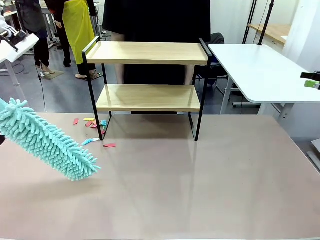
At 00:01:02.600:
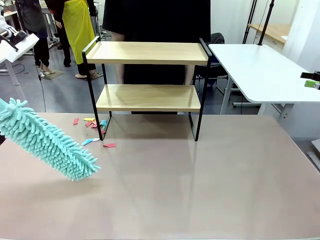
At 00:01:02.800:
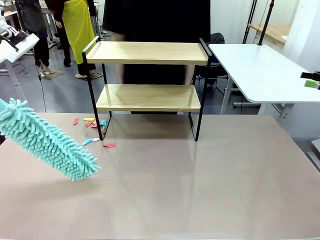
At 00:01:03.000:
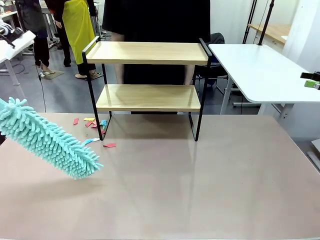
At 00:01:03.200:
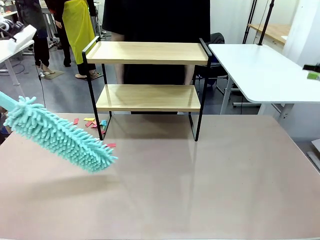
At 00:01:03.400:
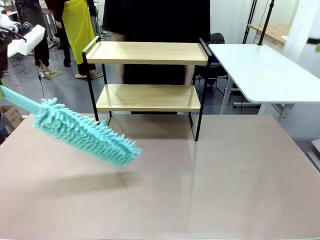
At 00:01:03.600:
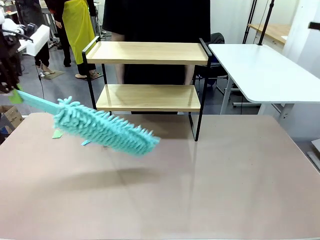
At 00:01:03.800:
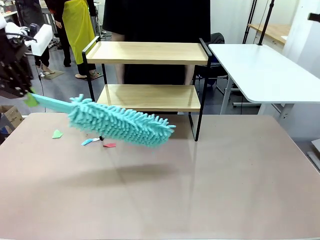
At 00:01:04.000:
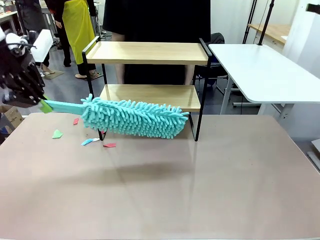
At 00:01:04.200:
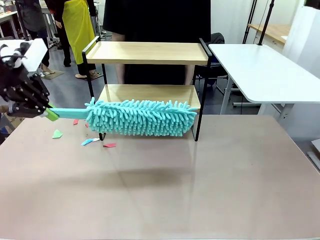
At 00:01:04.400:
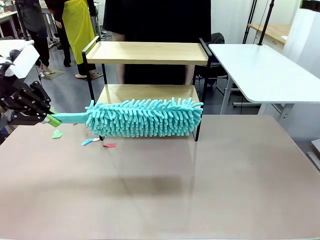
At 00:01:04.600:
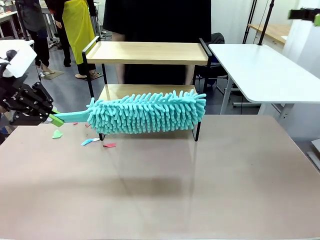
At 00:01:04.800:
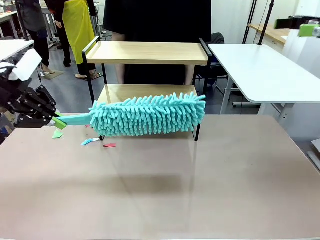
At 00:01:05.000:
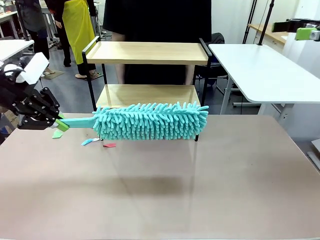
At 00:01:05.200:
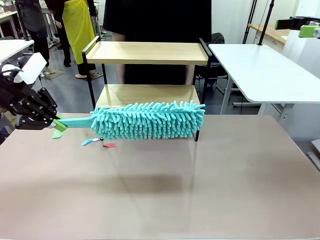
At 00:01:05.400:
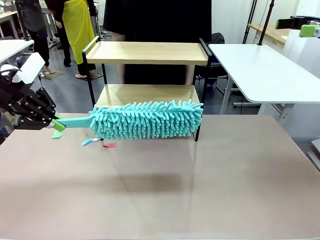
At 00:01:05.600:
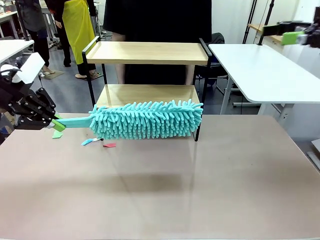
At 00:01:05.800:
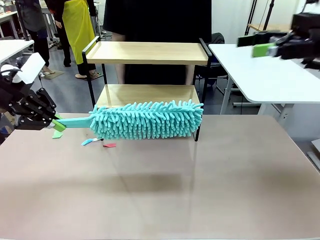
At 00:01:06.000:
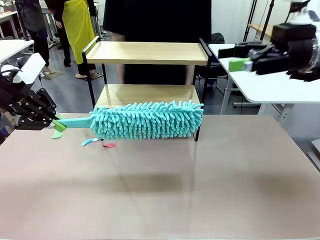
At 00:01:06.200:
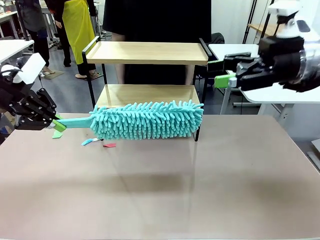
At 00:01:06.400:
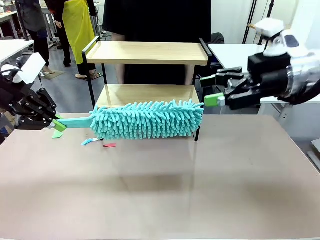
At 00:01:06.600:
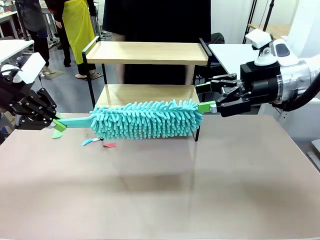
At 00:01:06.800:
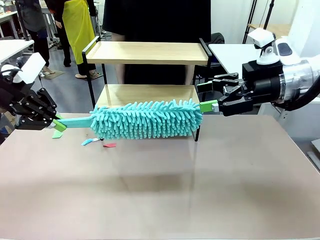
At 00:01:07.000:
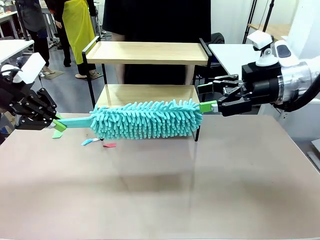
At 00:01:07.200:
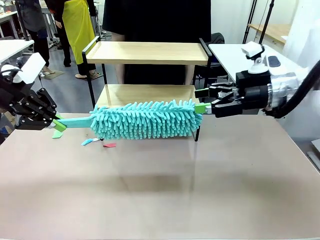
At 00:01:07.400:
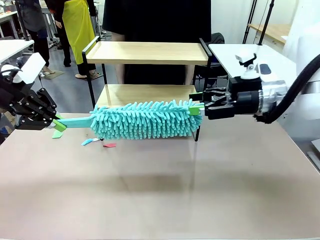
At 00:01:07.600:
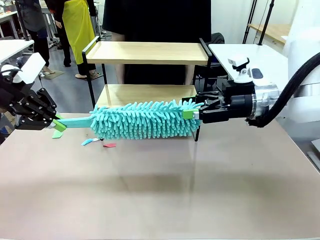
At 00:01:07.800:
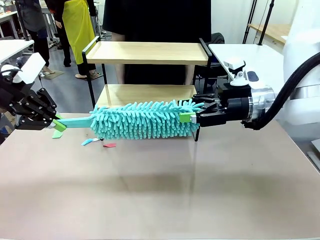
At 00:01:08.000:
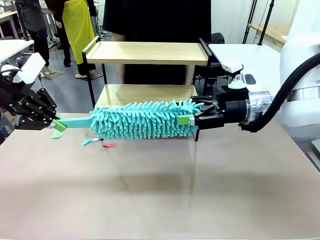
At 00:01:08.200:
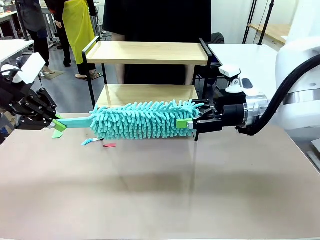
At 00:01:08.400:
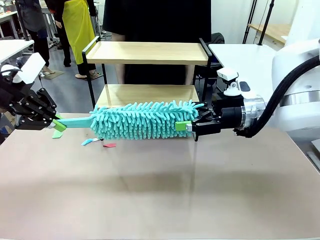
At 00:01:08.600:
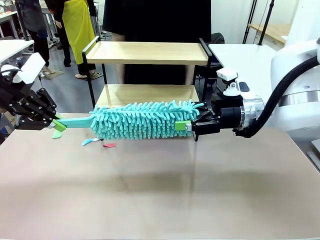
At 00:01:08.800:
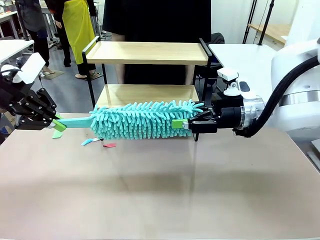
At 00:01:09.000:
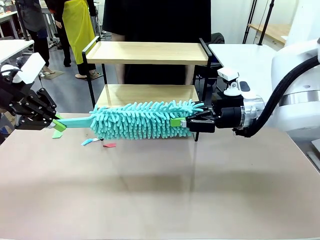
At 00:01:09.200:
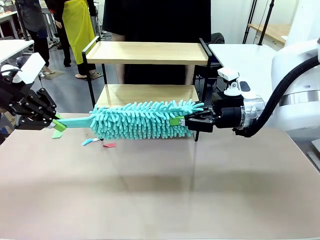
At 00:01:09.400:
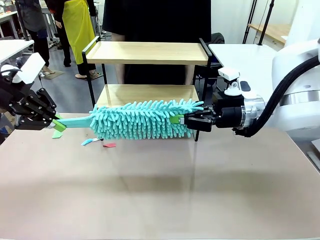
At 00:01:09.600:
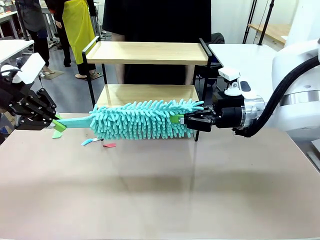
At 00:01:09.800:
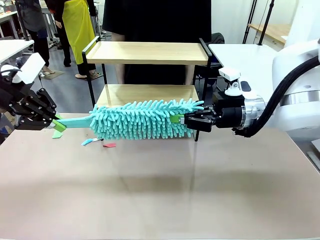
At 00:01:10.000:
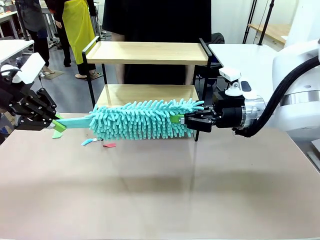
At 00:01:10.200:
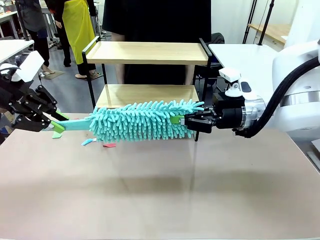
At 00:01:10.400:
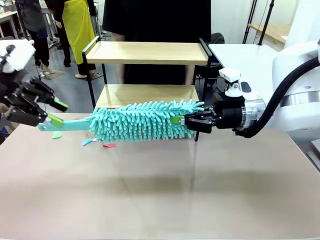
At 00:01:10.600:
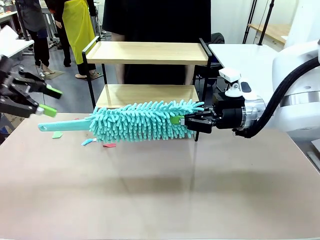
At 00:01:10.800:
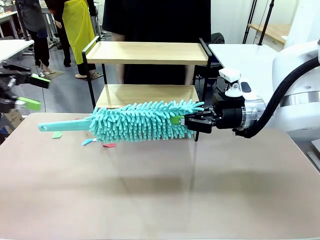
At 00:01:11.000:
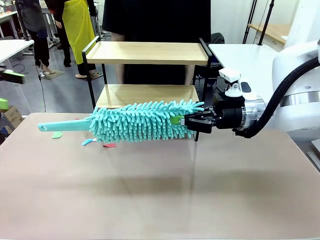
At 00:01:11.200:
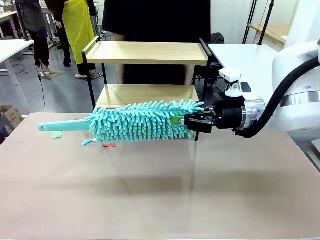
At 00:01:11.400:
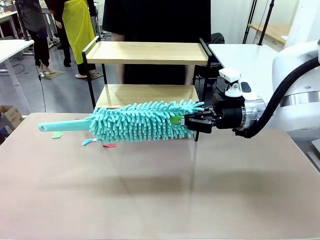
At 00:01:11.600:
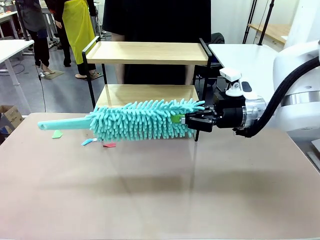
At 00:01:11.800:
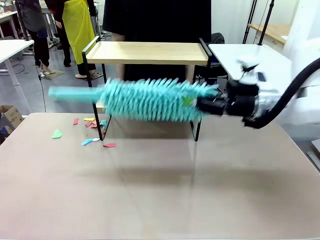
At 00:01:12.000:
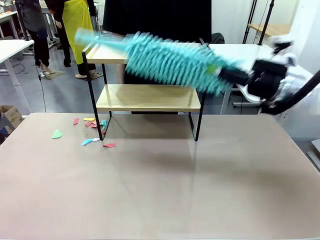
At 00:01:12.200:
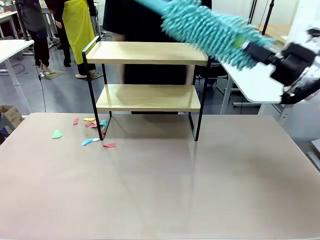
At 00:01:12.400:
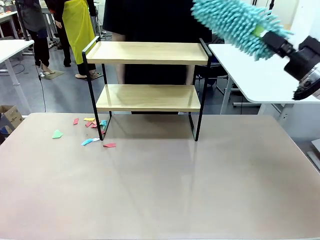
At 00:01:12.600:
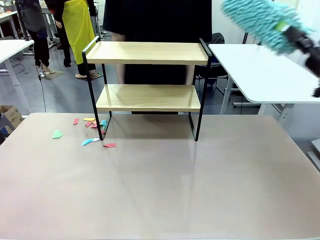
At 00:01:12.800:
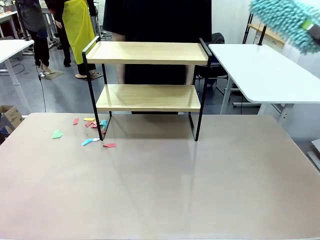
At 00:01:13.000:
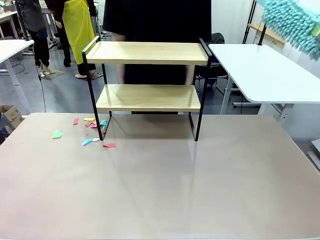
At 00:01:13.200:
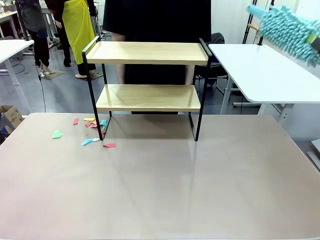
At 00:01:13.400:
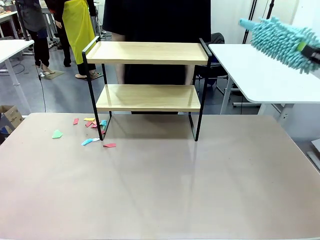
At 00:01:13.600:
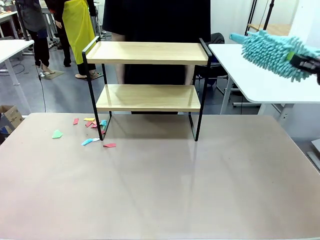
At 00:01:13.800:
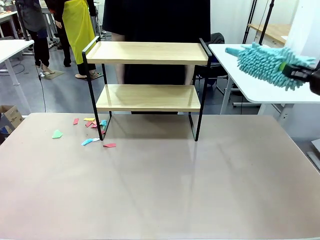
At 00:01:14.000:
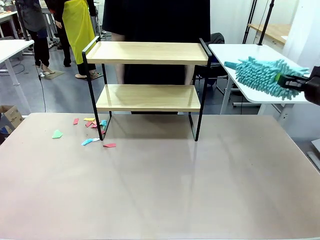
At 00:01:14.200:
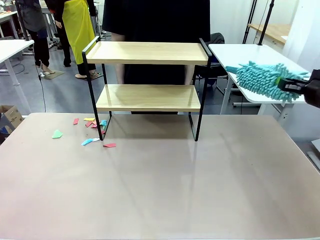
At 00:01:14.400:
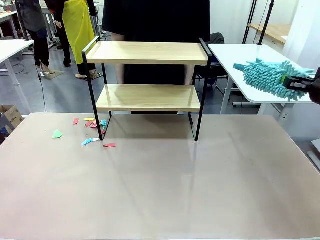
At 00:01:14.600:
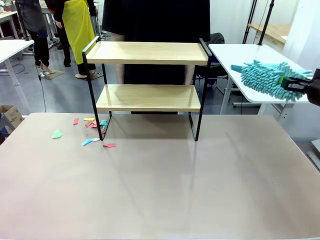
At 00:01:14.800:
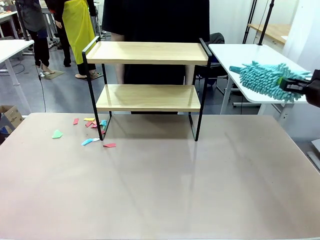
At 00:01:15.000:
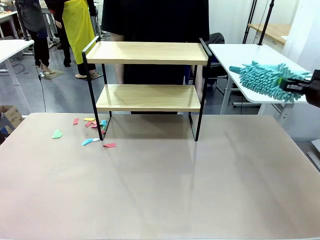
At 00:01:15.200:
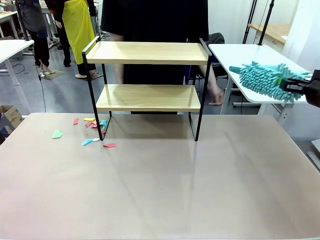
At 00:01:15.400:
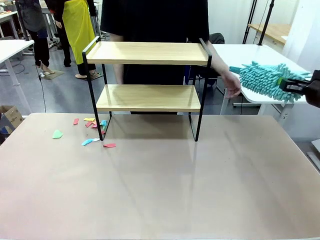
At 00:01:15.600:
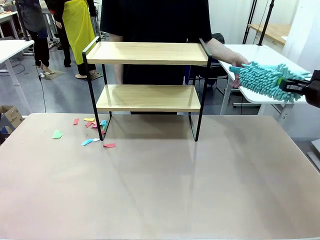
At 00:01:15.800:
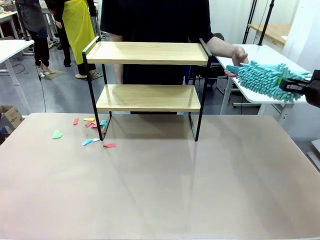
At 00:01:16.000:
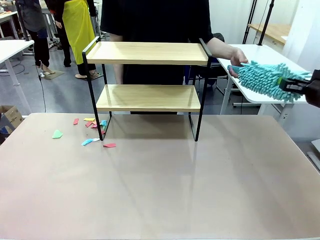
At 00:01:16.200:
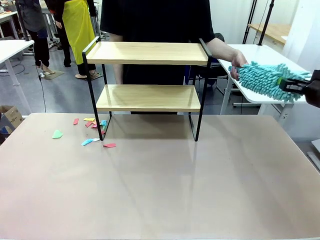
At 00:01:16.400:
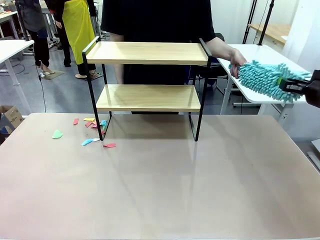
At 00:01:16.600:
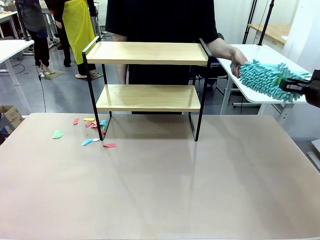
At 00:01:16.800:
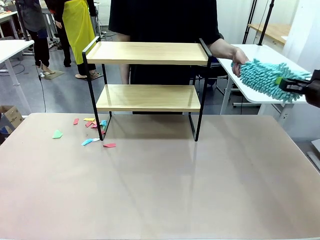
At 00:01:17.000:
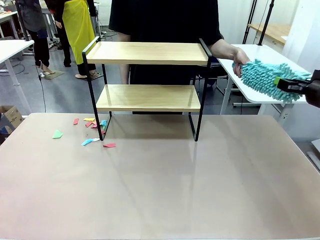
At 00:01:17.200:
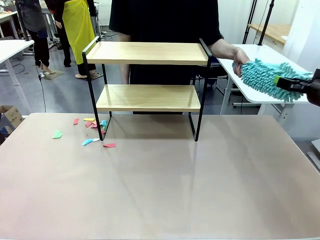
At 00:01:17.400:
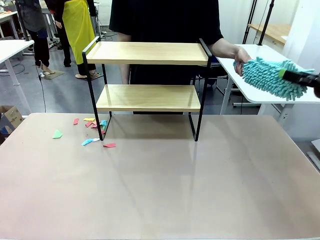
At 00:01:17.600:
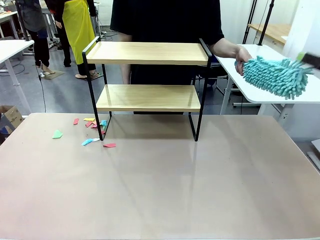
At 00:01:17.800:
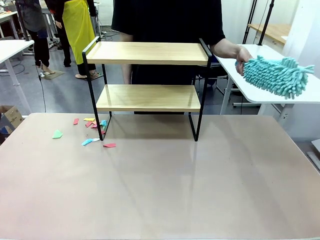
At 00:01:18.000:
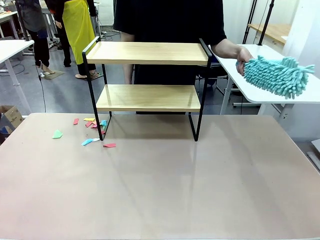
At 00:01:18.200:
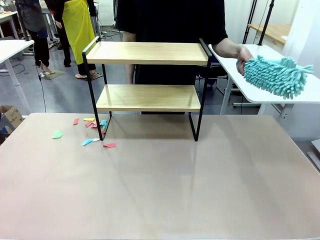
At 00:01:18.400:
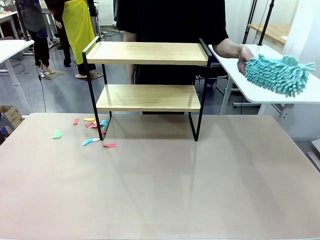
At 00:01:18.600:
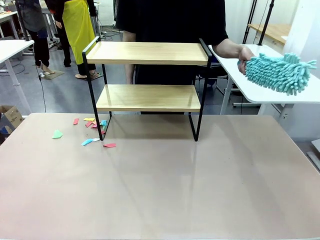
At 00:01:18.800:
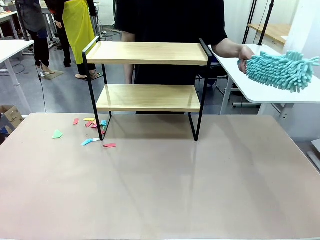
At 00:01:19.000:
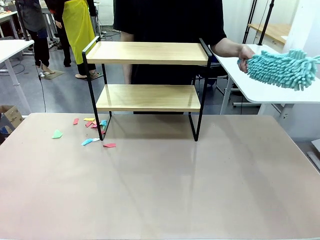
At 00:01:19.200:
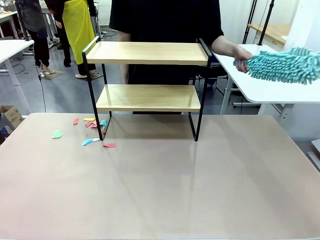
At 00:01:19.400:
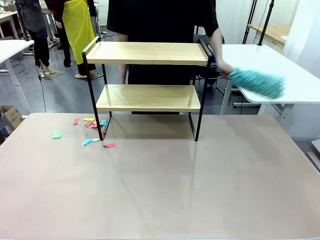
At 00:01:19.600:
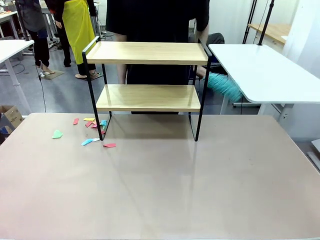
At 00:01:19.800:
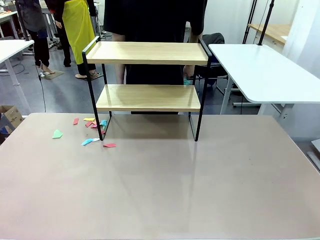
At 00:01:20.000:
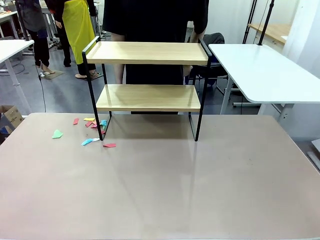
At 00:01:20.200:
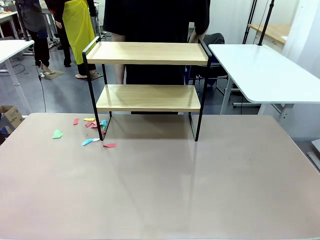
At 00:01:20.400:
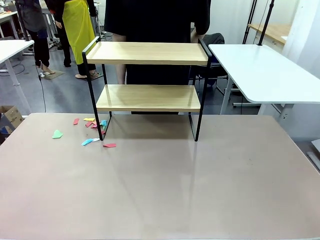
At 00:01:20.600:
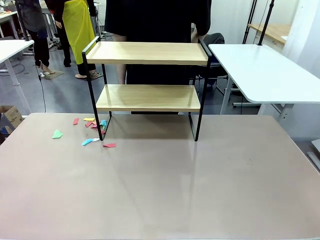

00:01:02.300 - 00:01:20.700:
Task: Clean the shelf.
Robot: Hand the Duster back to the human.
Person: Receive the Duster from the robot.
